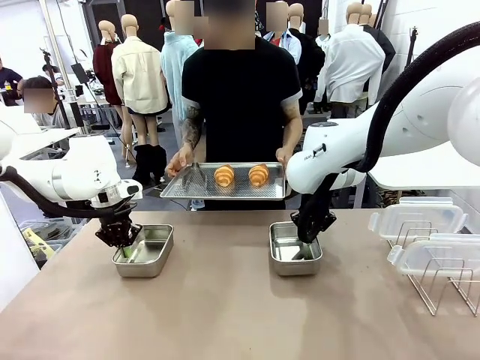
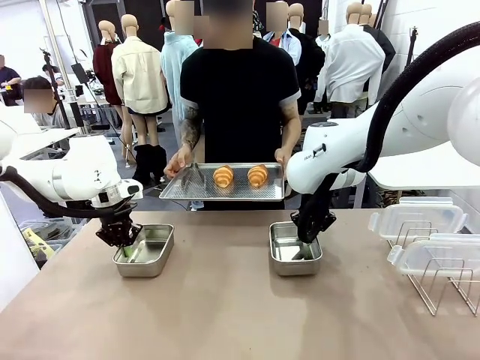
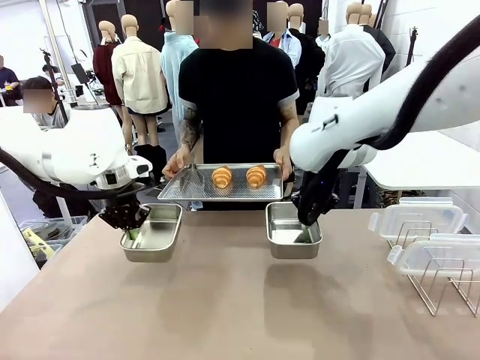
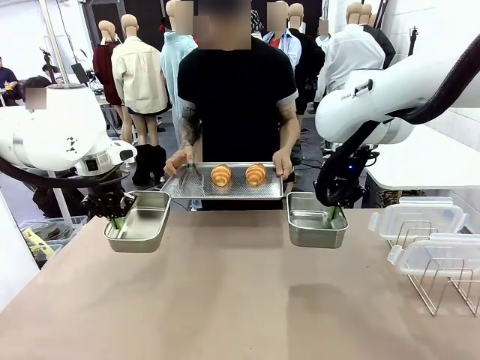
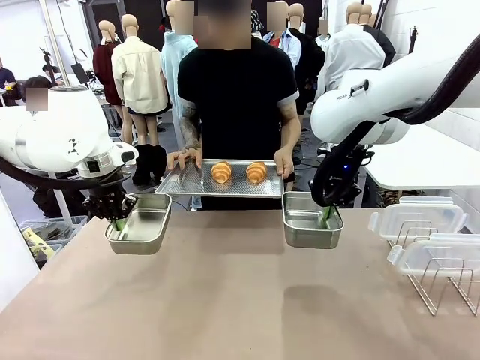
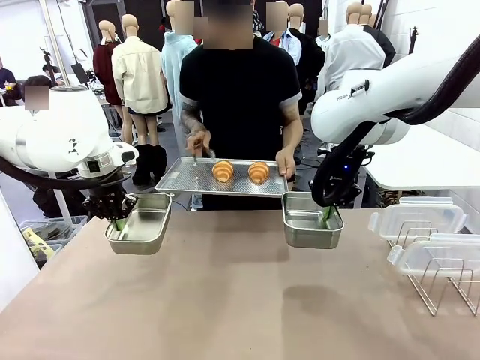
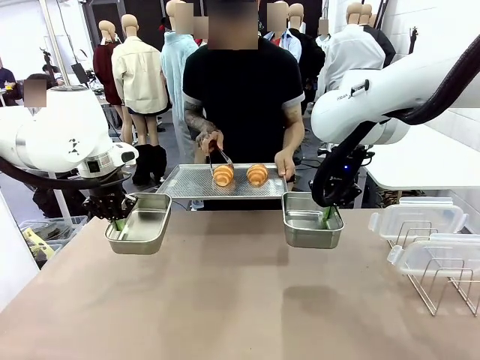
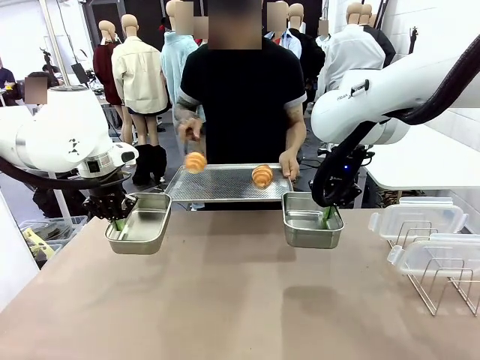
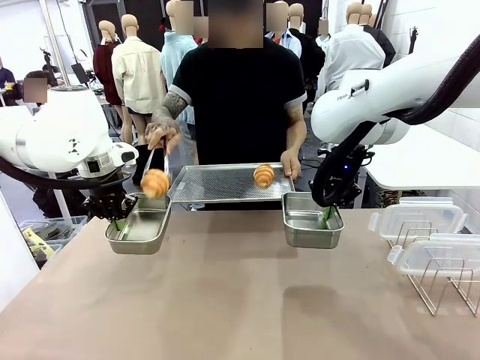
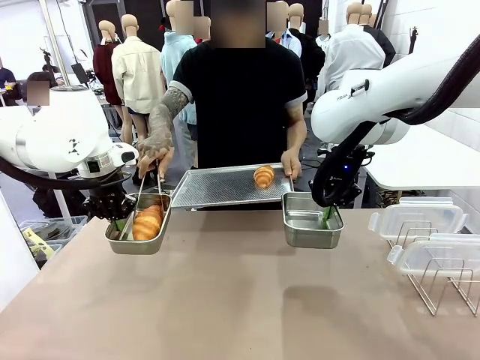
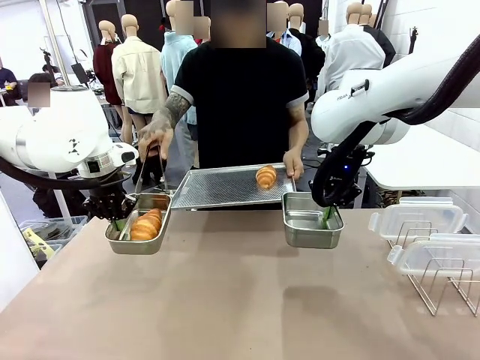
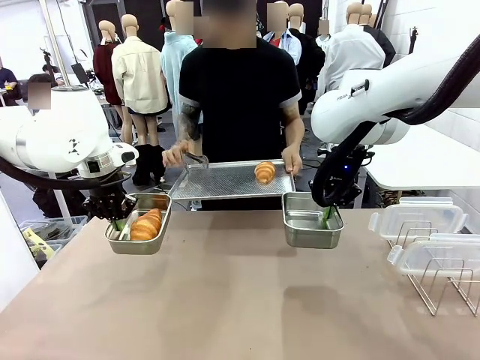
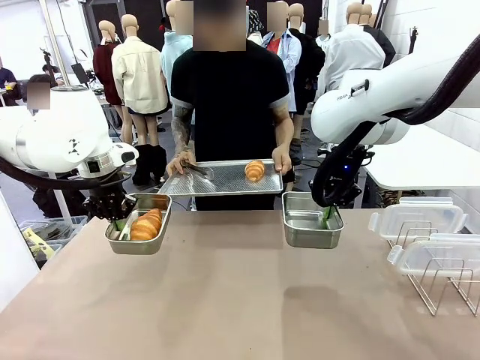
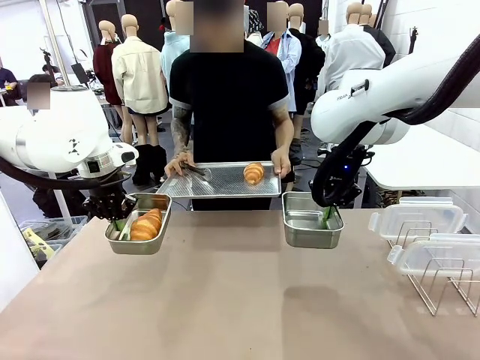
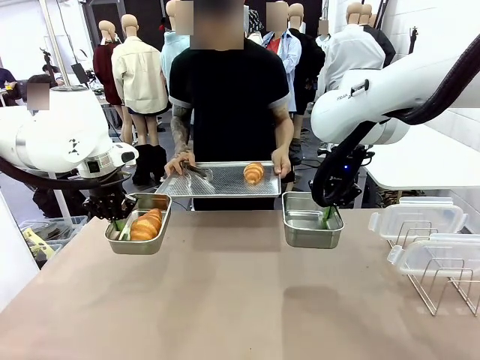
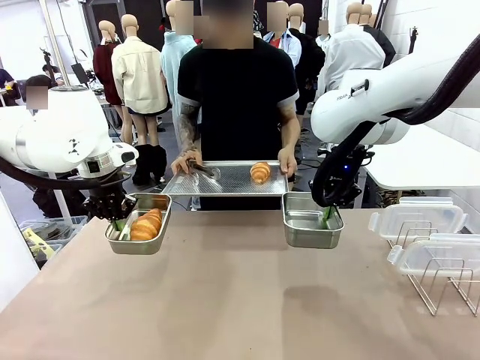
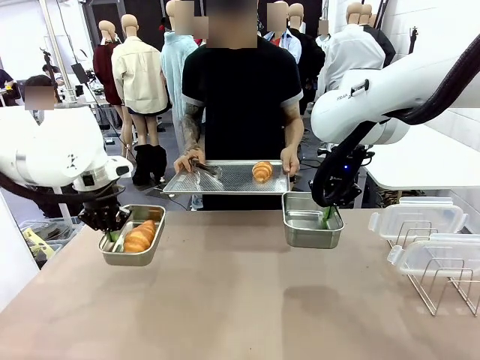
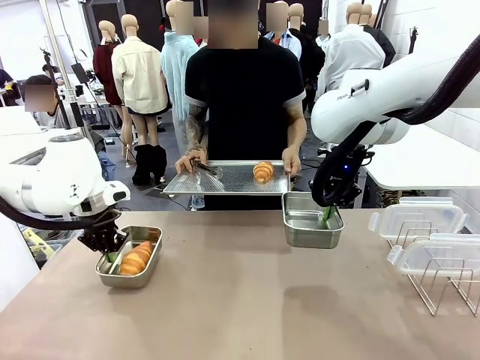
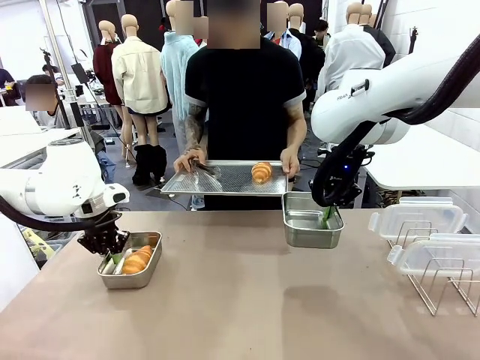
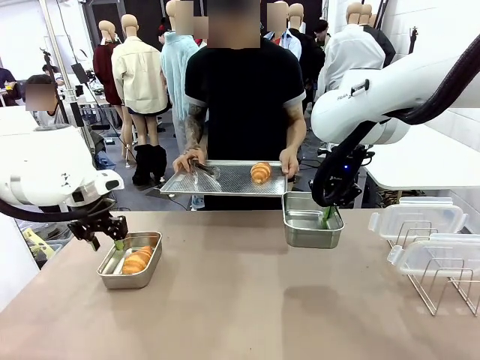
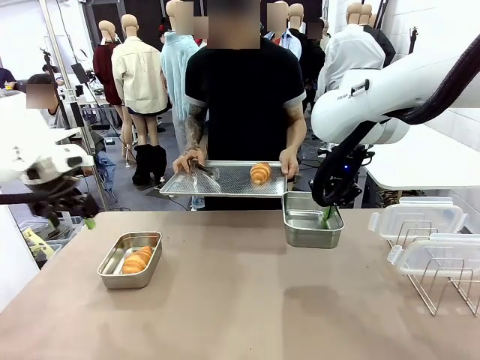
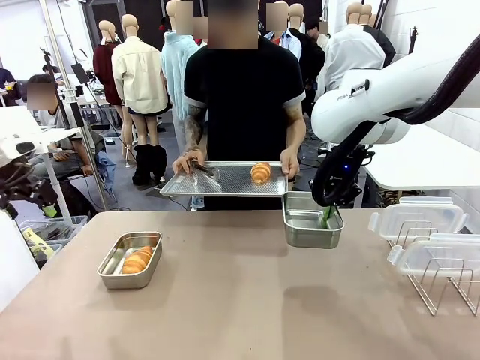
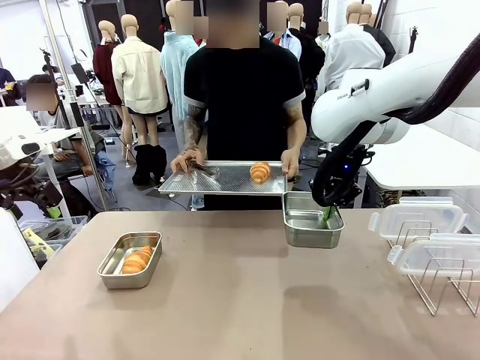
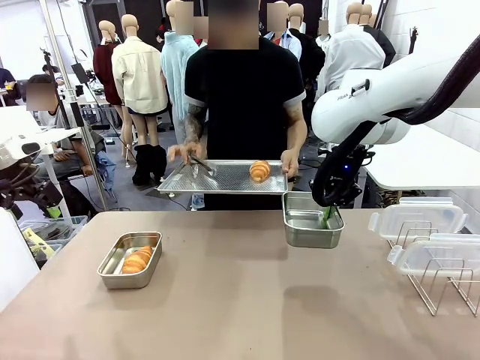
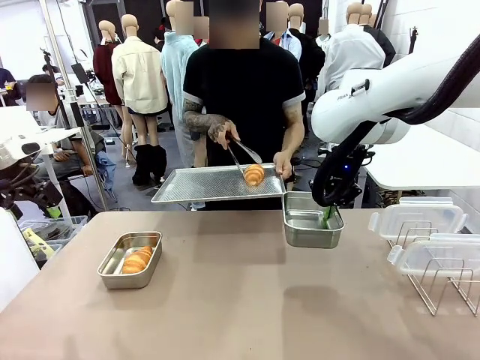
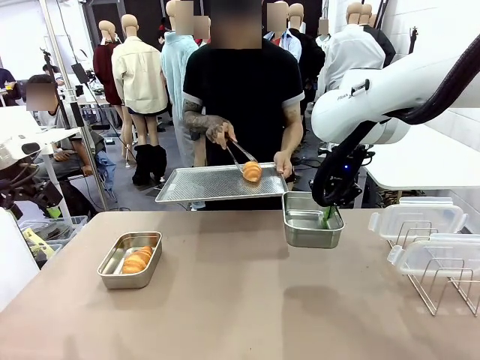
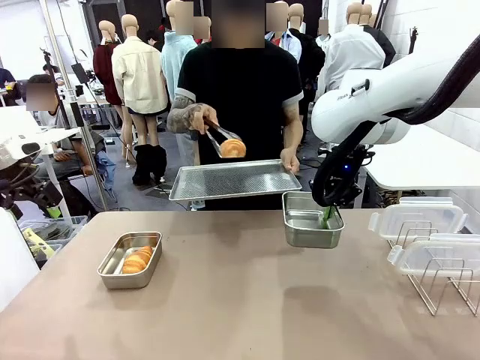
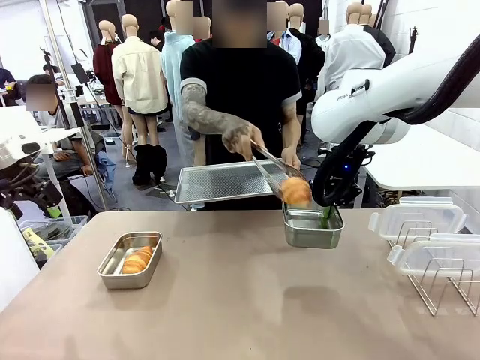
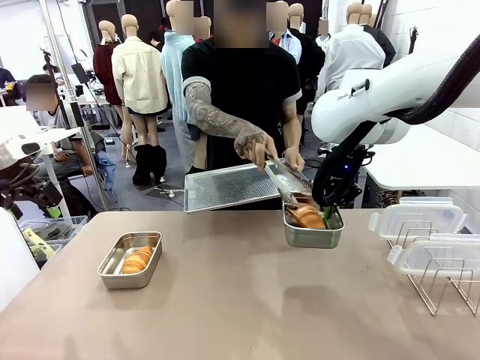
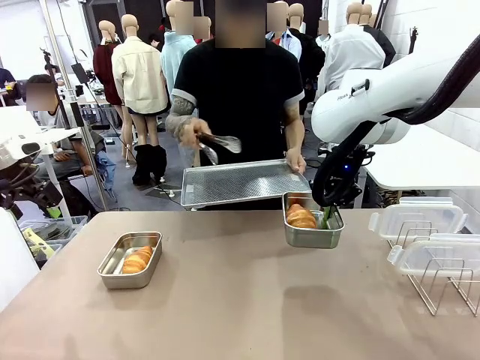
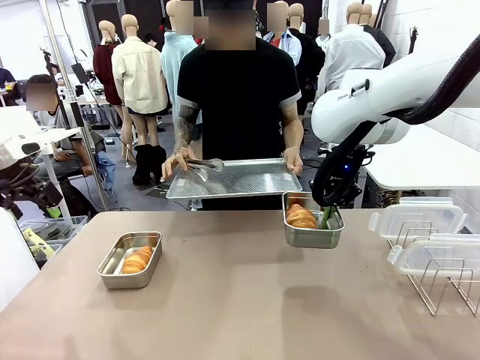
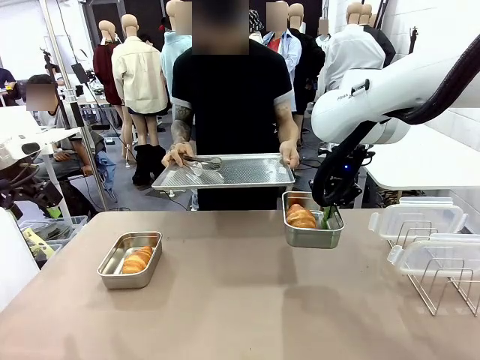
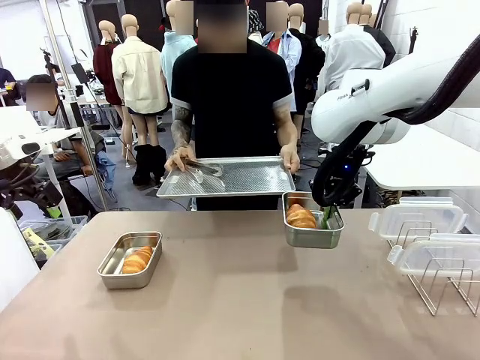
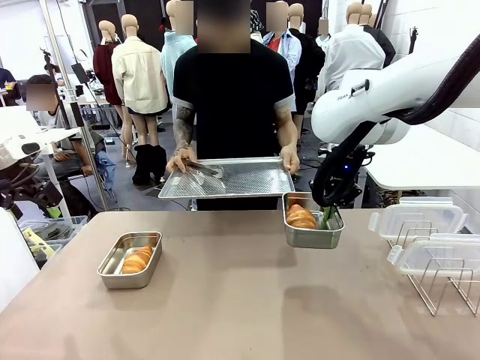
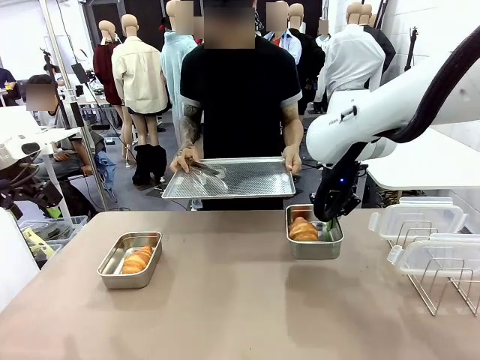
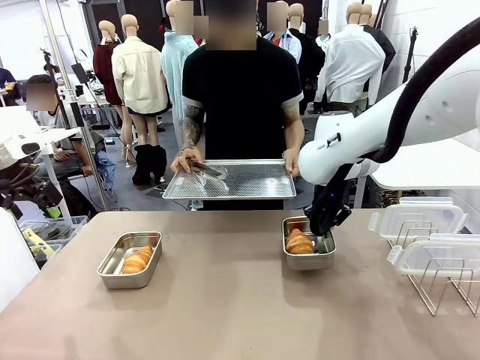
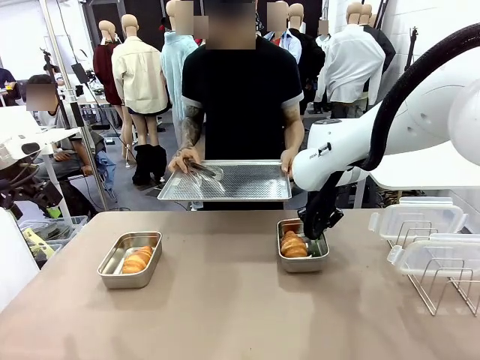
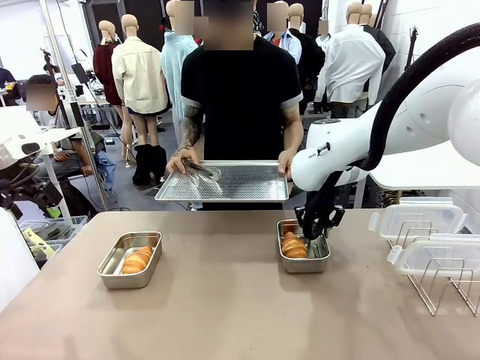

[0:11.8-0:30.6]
Task: Place the bread in airtight containers.
Robot: Once an object is inside an Airtight Container , place the container in the center of the table.
Person: Use the Stainless steel tongs to place one object from Baking Sheet into one Airtight Container.

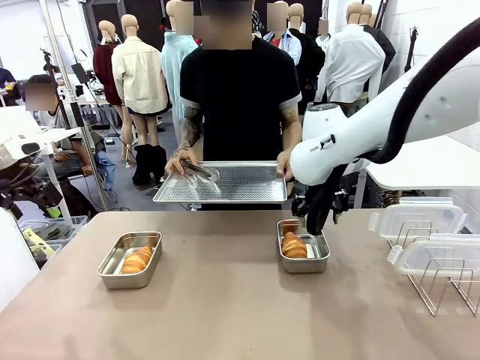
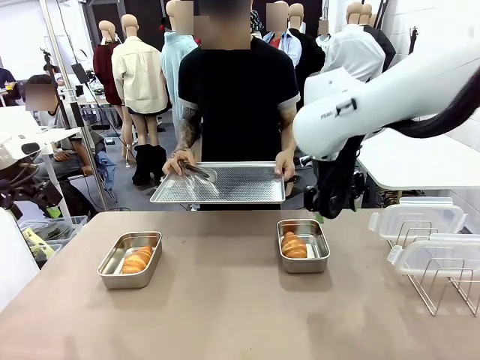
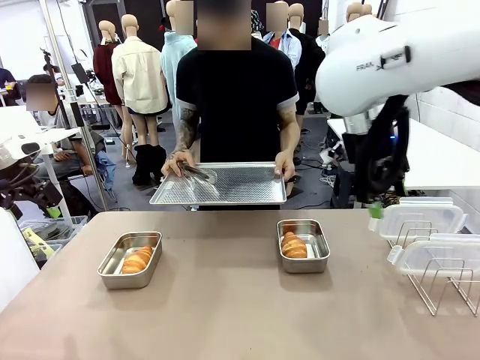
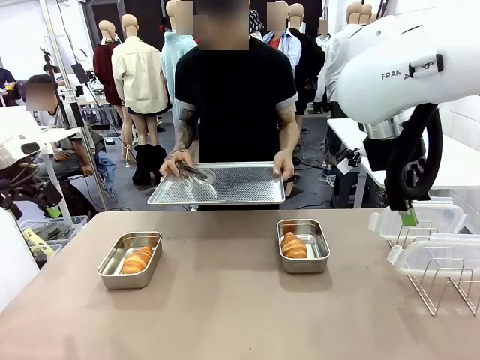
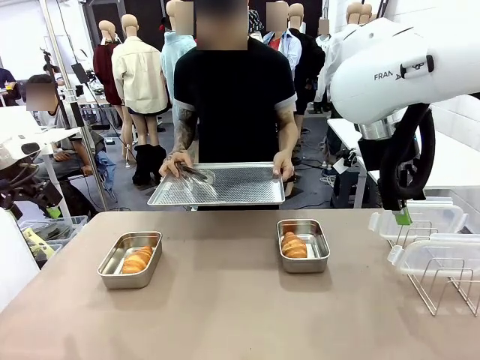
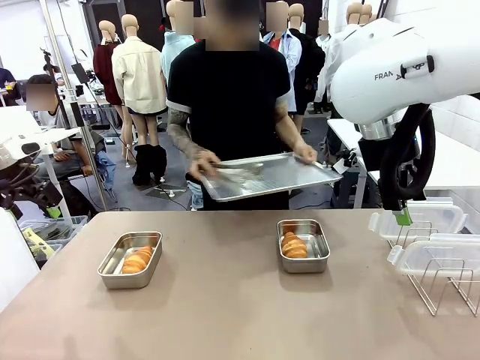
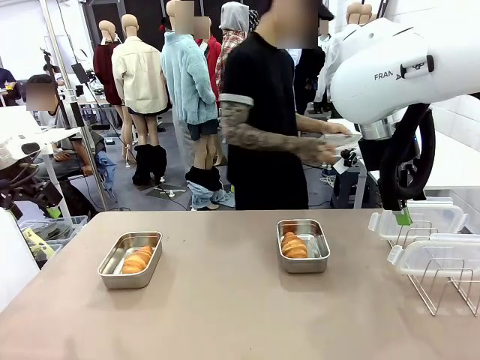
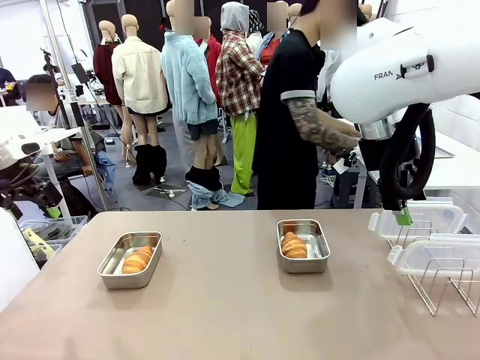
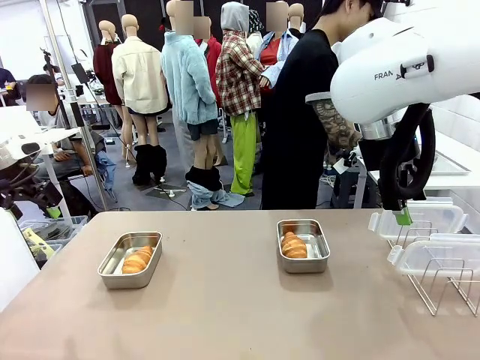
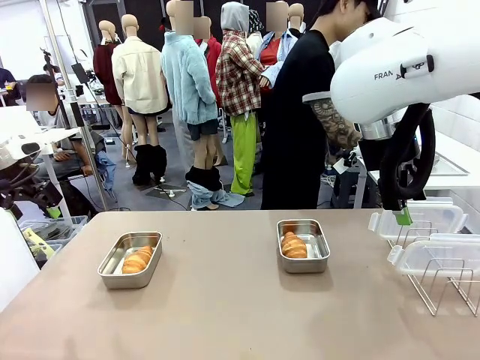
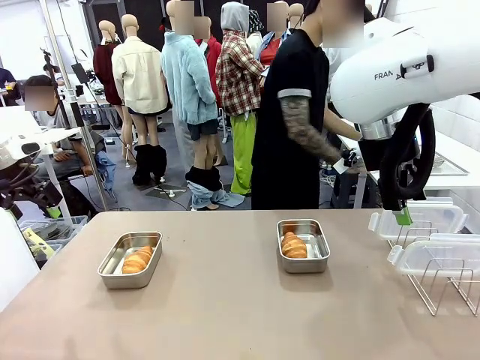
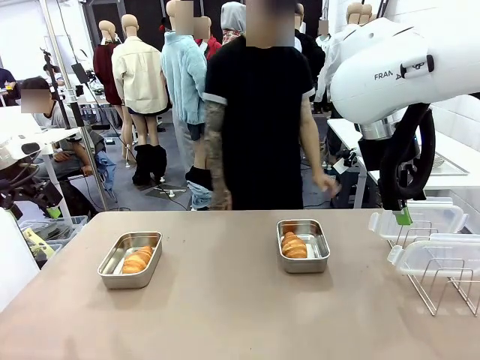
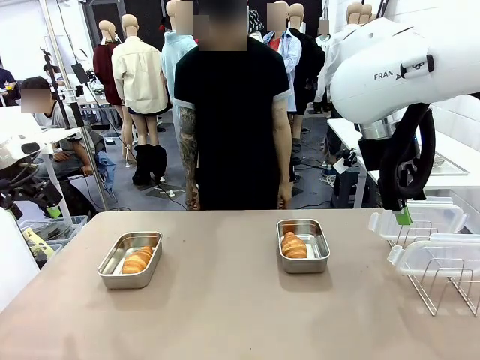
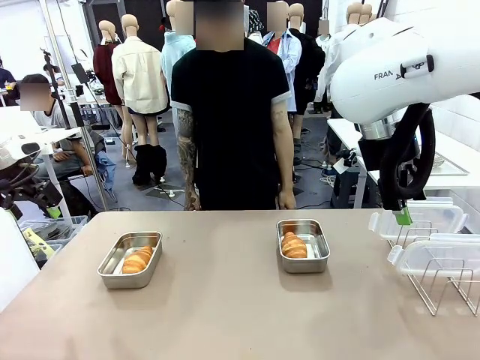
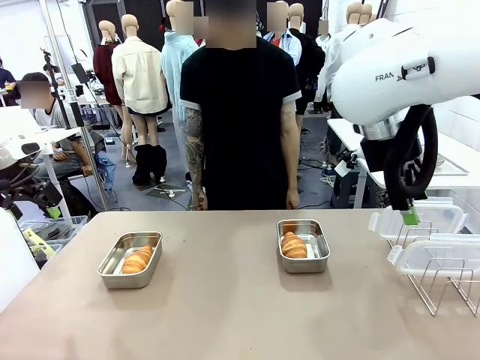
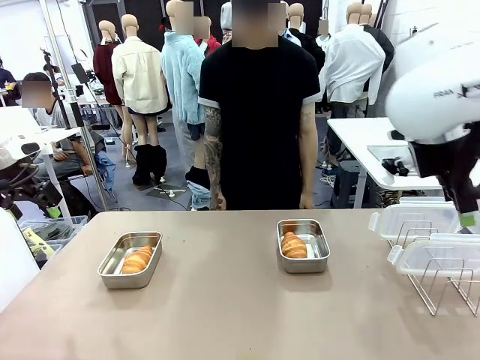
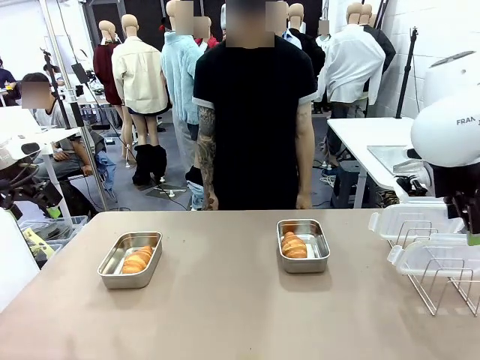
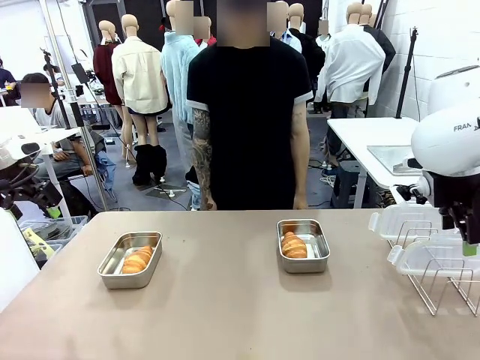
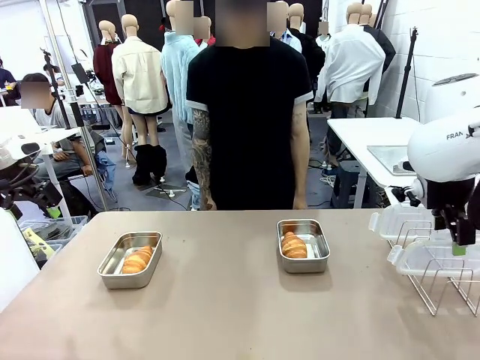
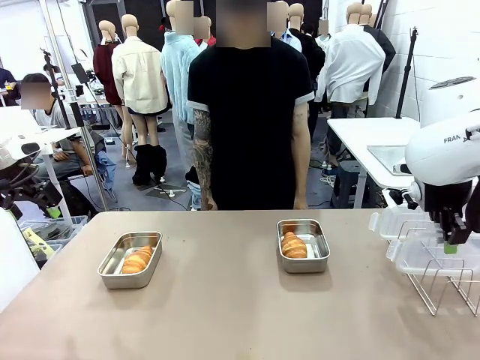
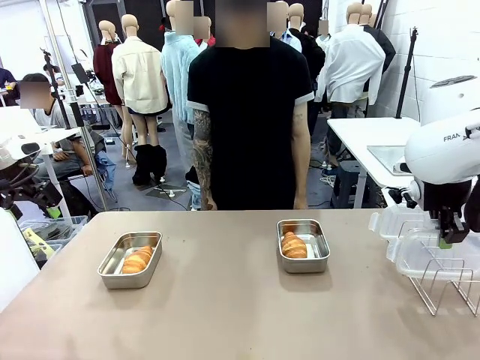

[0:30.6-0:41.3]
Robot: Pick up one Airtight Container lid and hand it to the human.
Person: Place Baking Sheet on the Human's Table.
